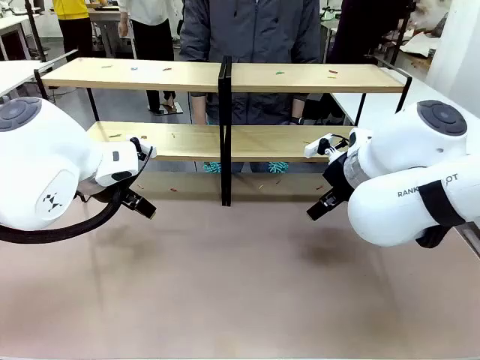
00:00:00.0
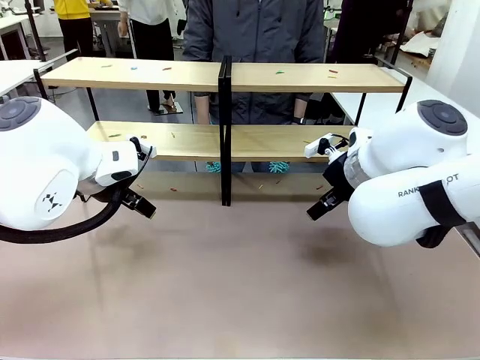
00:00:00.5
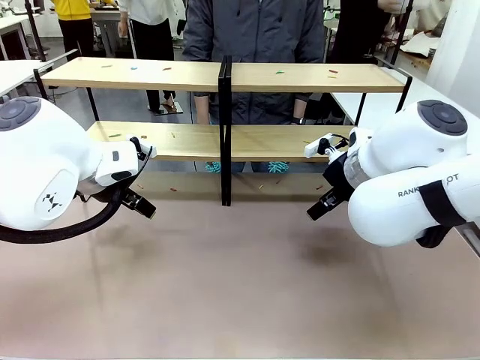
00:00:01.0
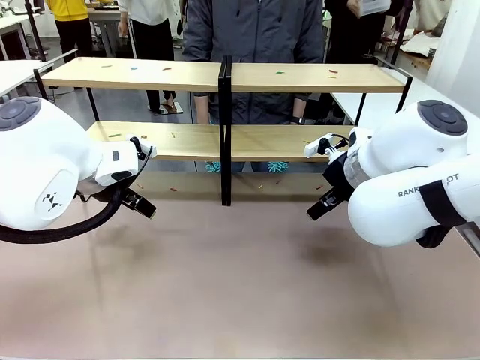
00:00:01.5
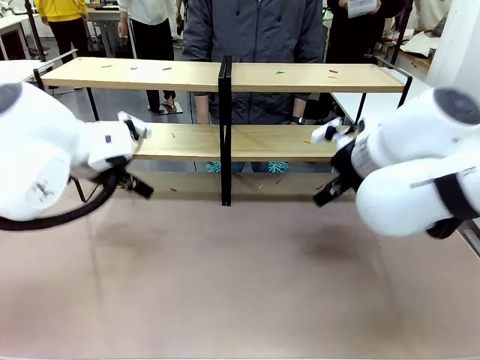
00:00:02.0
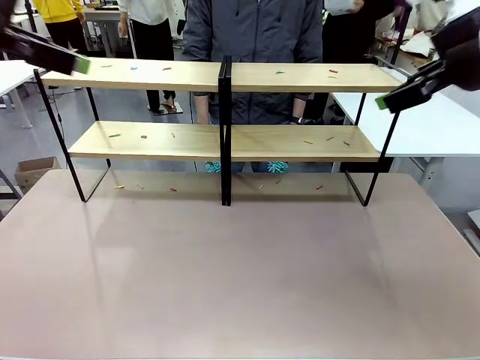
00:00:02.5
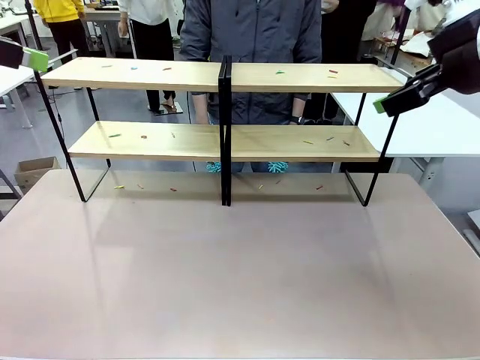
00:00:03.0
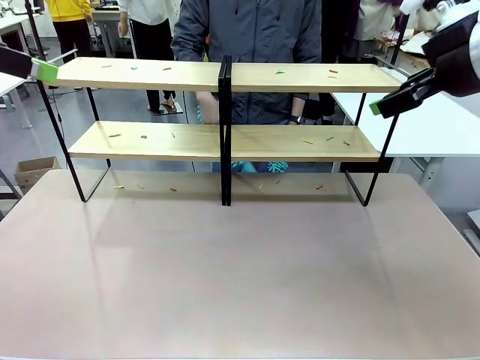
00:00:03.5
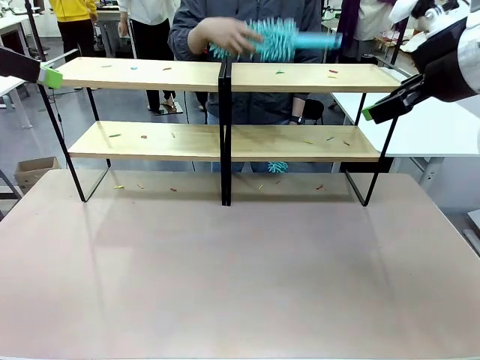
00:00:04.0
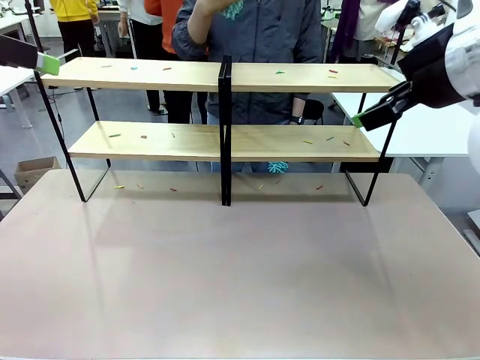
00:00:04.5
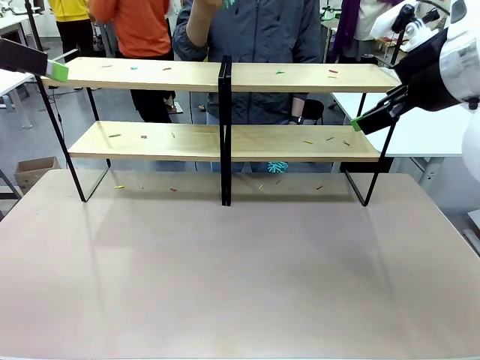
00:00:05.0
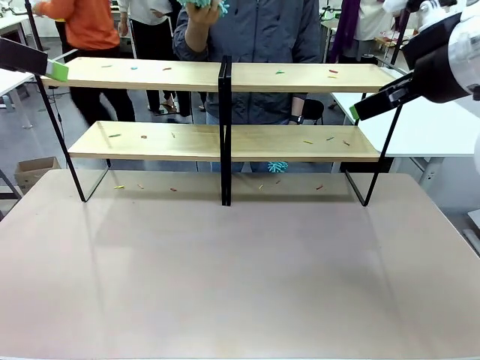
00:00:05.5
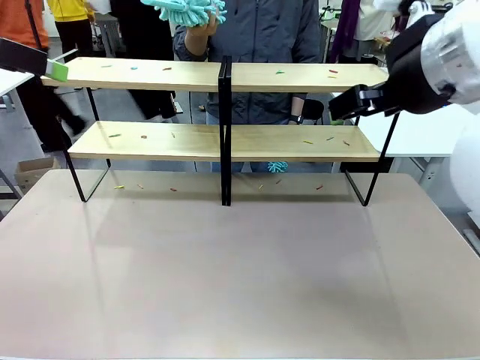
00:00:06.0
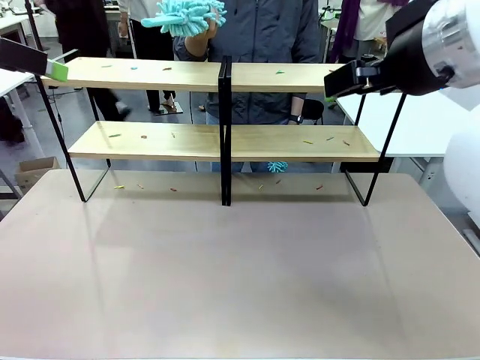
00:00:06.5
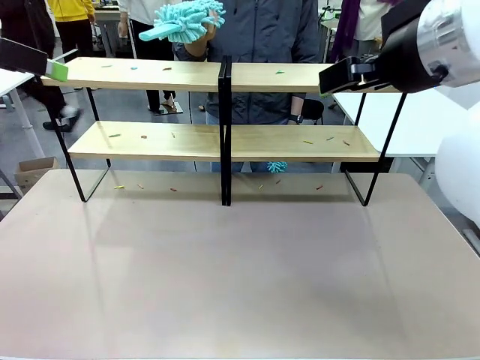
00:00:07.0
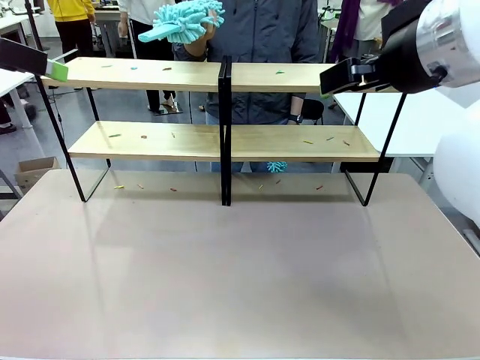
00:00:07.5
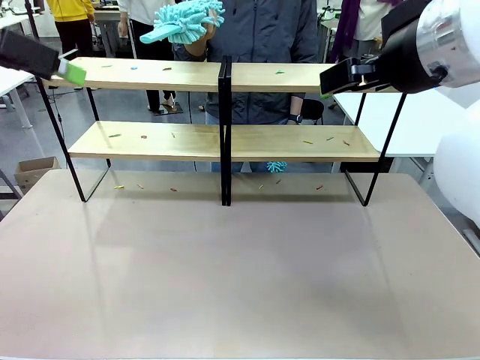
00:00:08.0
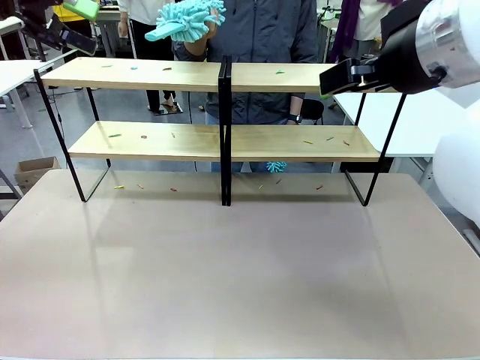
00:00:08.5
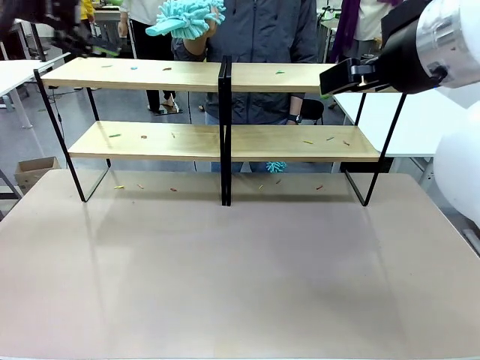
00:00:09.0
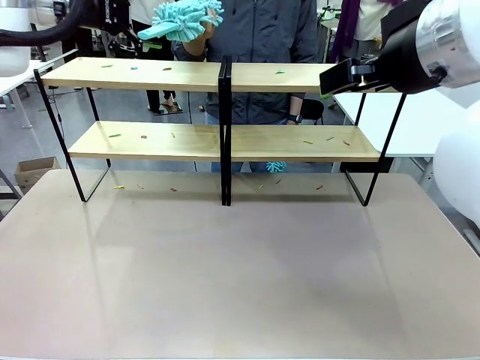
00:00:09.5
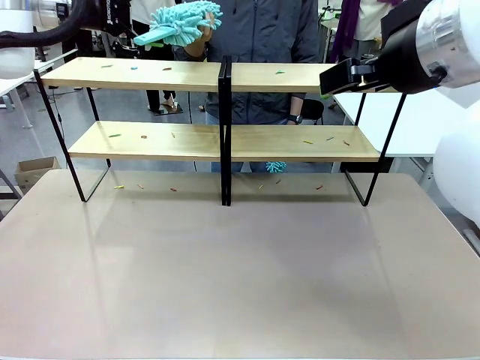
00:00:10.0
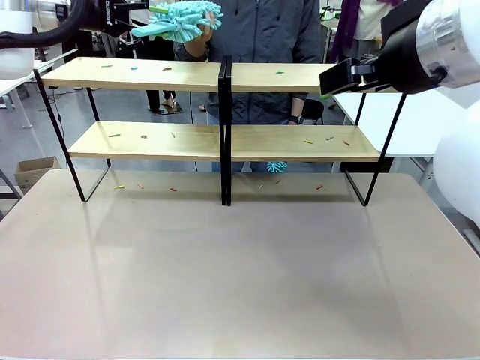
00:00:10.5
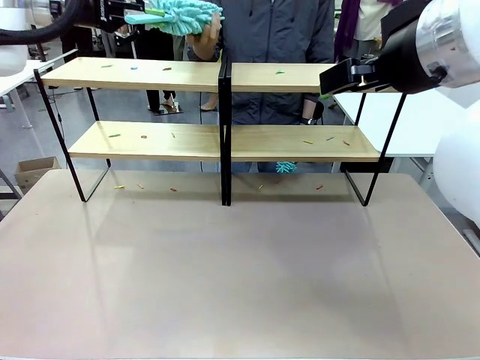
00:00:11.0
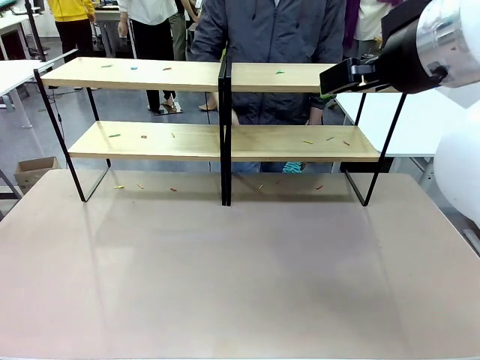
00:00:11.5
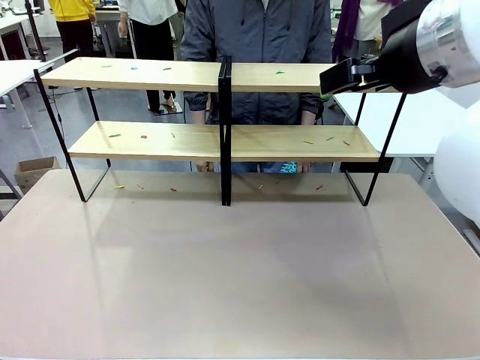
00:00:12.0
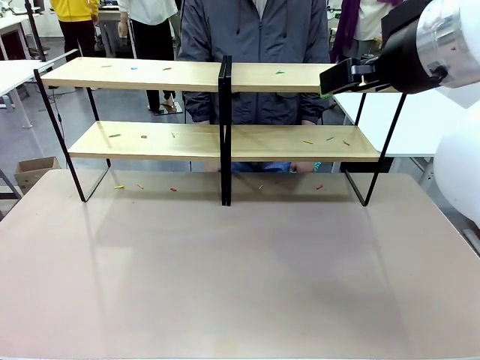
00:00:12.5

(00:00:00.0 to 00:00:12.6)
Task: Clean the shelves.
Robot: Pick up the Duster when the human hands it over.
Person: Hand the Duster to the robot with your right (or left) hand.

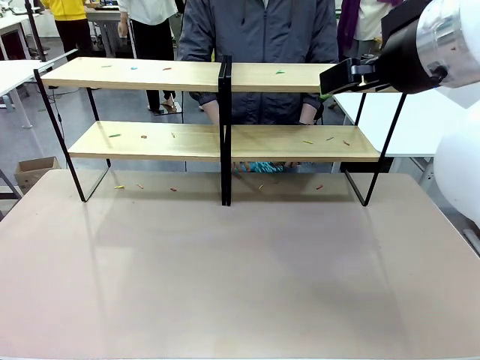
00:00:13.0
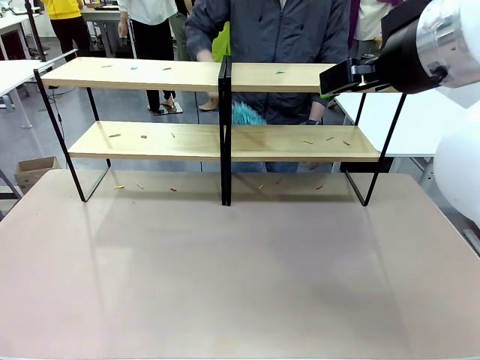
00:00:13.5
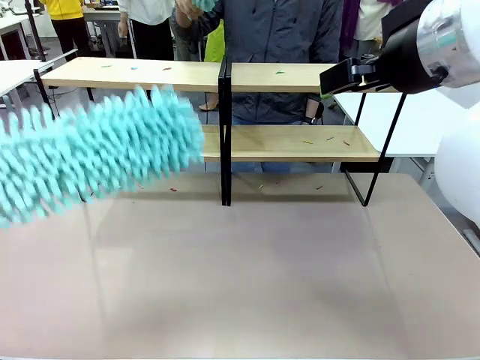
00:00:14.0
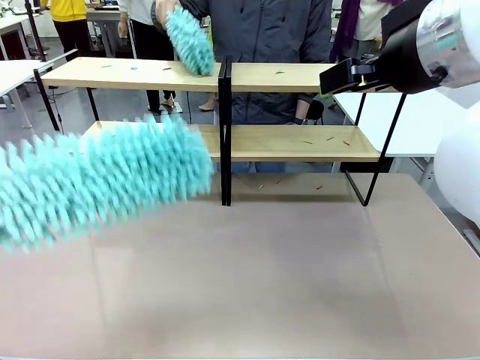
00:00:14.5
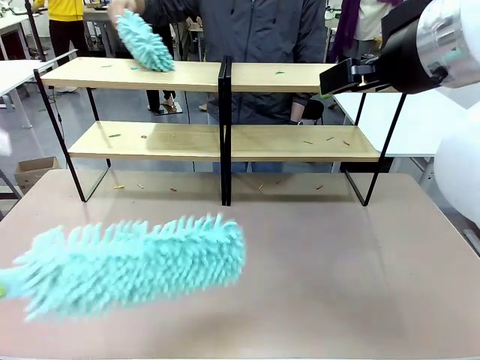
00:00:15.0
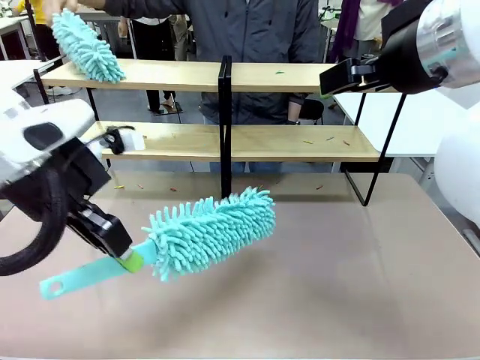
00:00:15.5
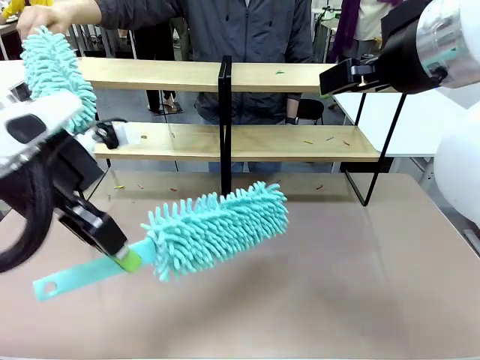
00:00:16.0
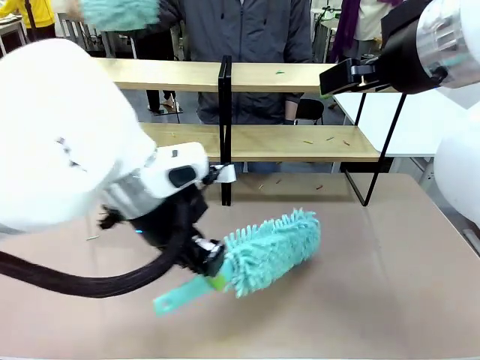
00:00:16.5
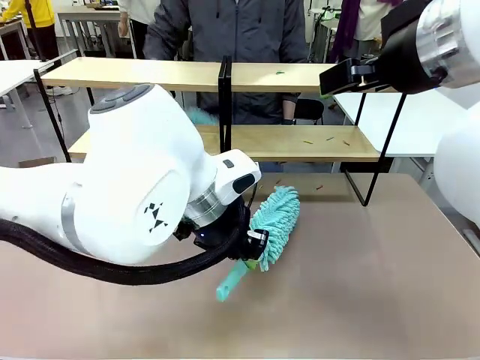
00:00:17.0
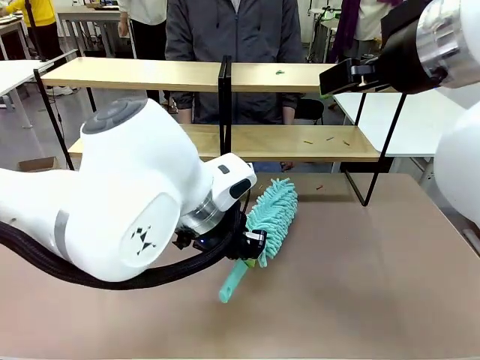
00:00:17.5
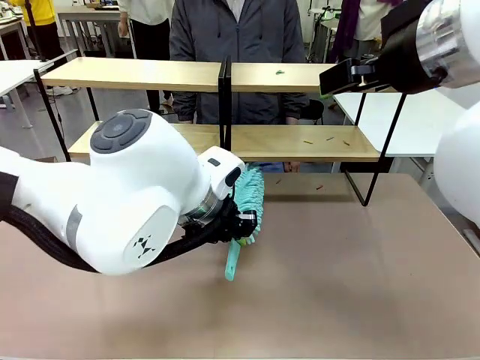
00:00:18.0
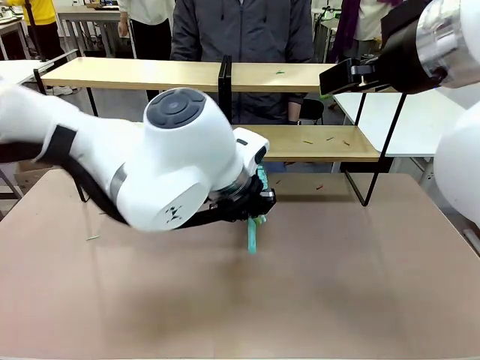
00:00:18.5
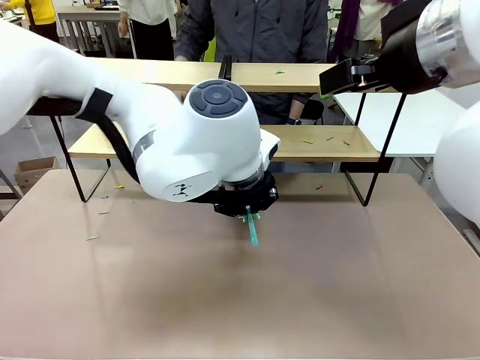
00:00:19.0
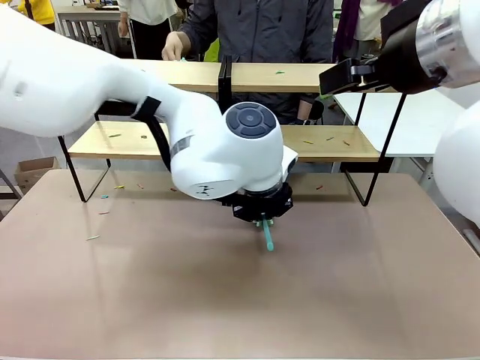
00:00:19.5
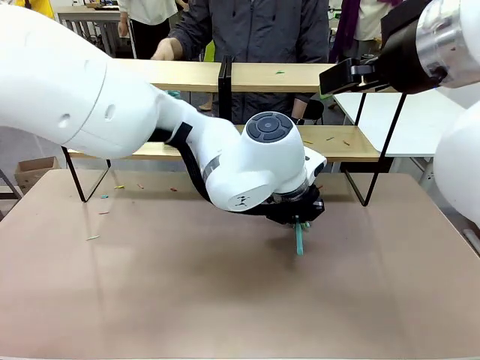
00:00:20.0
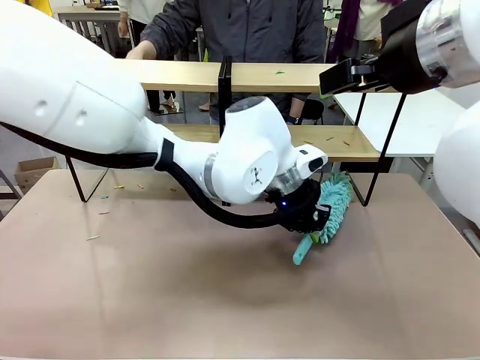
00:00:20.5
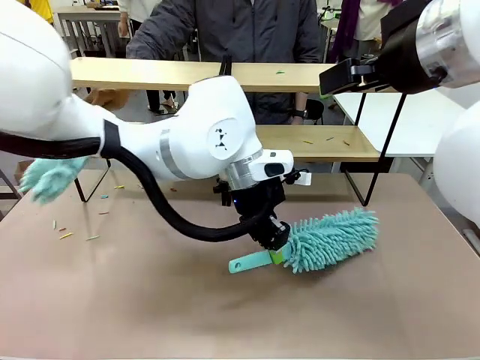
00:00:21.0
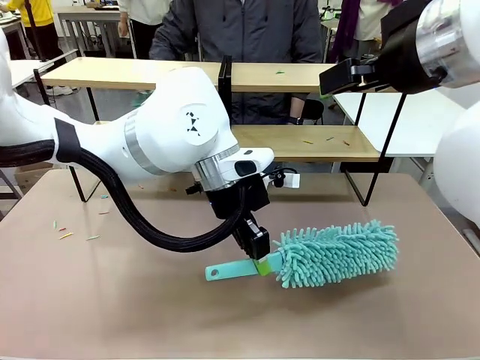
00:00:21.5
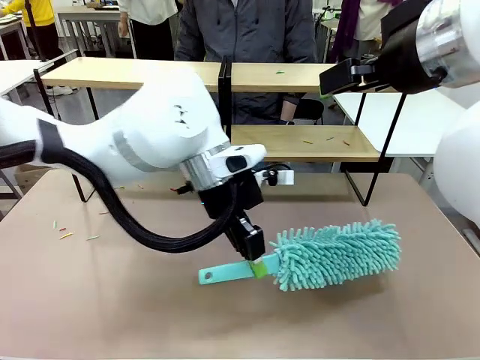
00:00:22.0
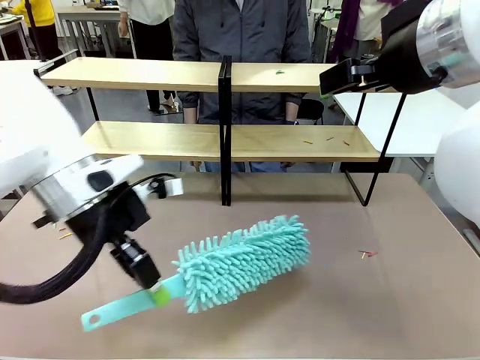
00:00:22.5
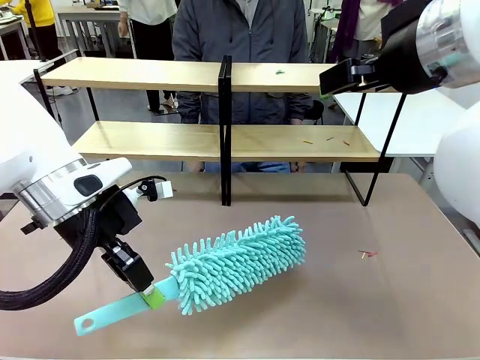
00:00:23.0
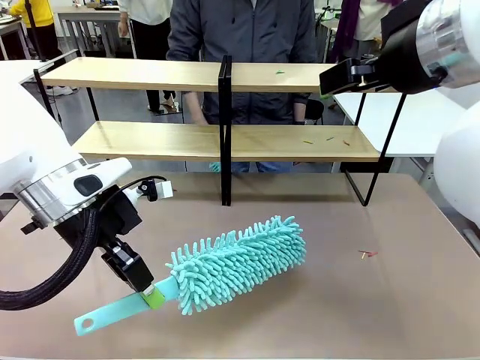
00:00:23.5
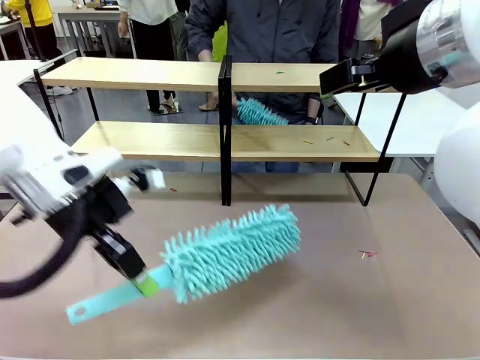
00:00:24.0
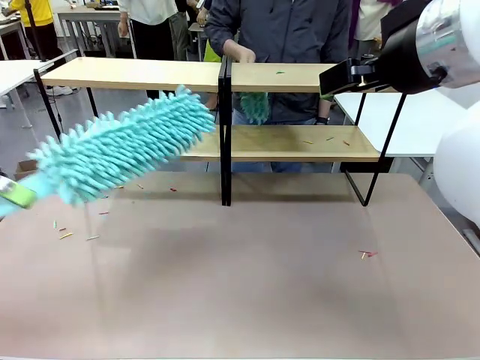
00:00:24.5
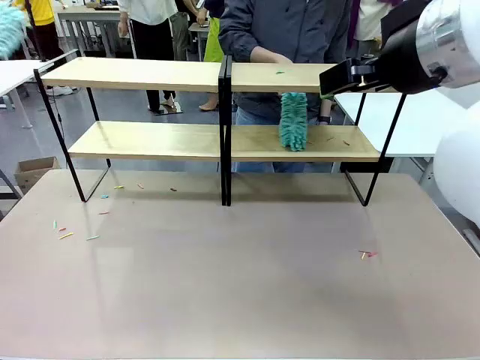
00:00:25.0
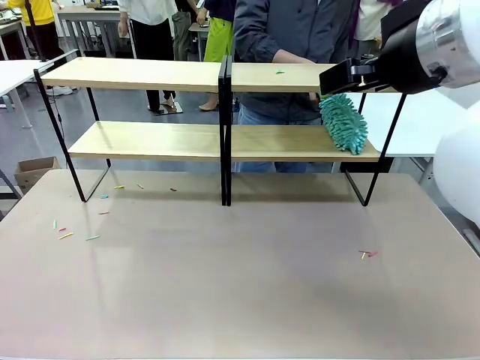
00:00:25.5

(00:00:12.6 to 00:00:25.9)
Robot: Clean a randomly selected level of the Shelf with the Duster.
